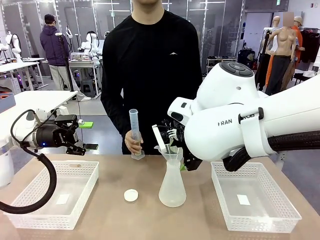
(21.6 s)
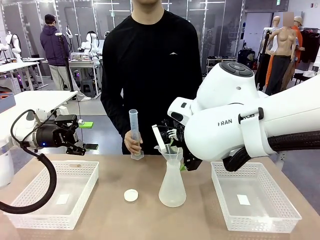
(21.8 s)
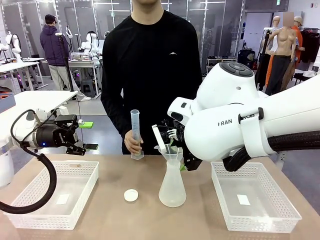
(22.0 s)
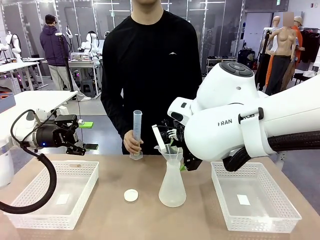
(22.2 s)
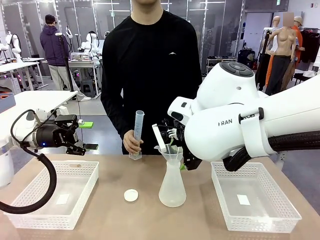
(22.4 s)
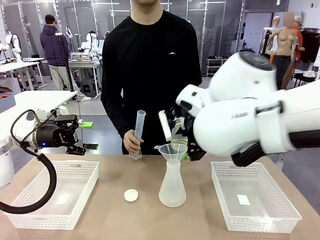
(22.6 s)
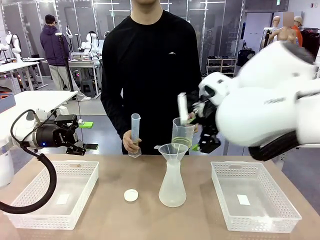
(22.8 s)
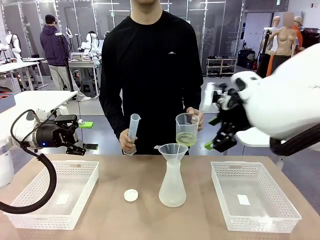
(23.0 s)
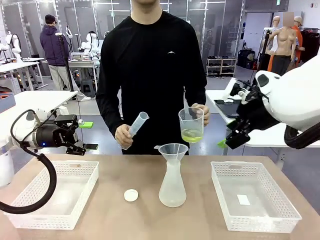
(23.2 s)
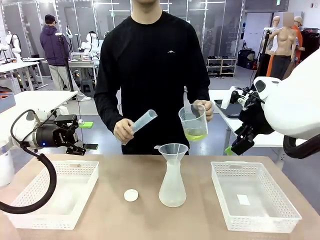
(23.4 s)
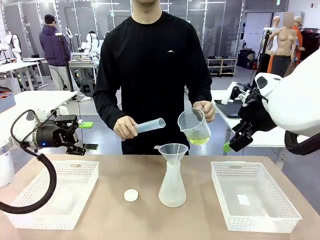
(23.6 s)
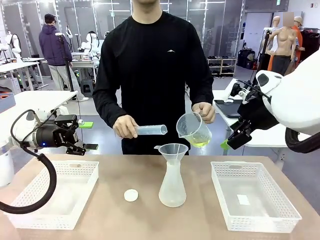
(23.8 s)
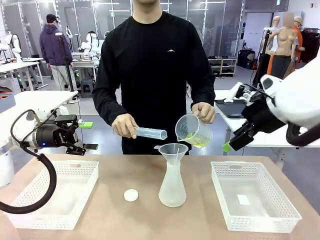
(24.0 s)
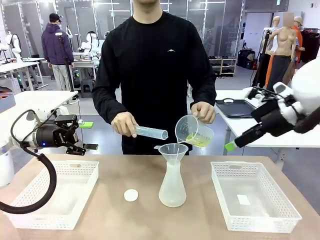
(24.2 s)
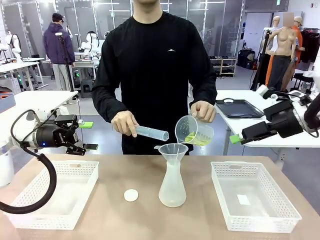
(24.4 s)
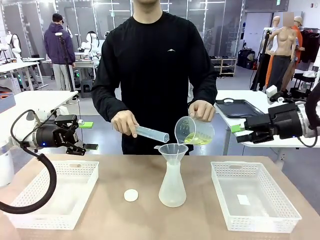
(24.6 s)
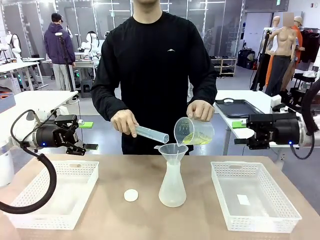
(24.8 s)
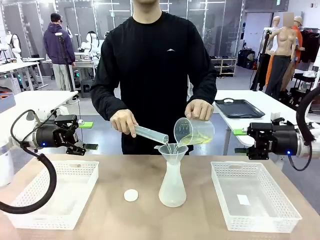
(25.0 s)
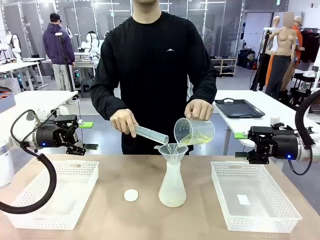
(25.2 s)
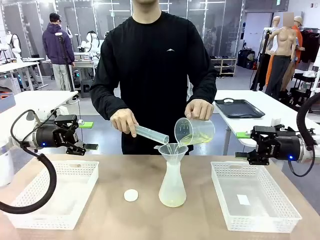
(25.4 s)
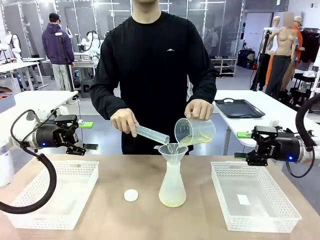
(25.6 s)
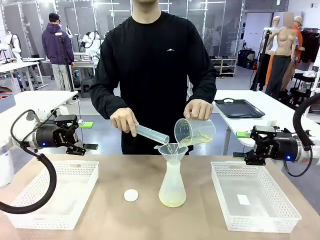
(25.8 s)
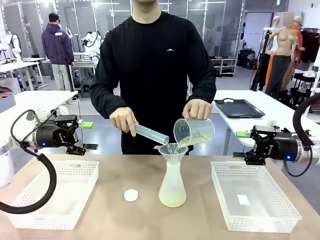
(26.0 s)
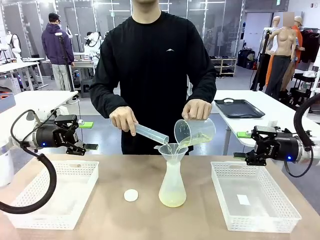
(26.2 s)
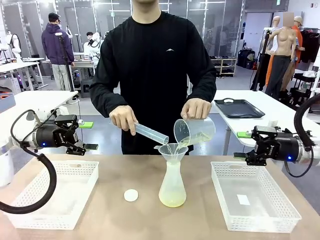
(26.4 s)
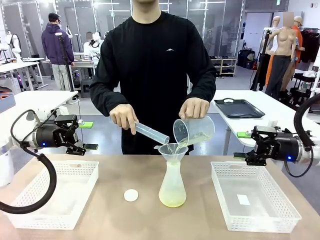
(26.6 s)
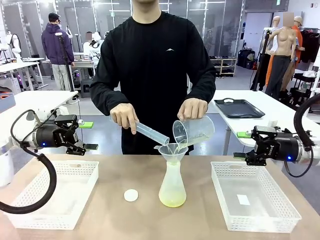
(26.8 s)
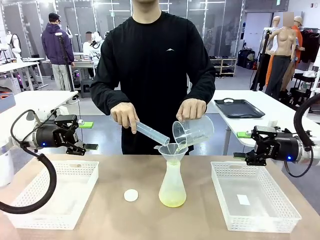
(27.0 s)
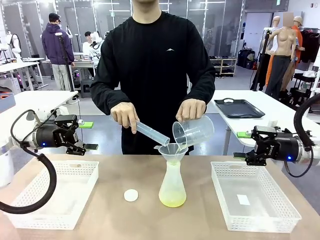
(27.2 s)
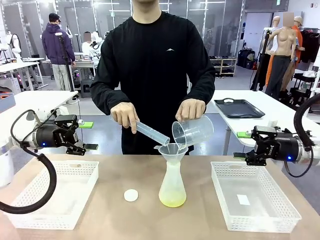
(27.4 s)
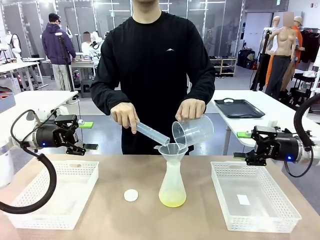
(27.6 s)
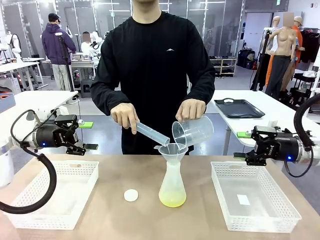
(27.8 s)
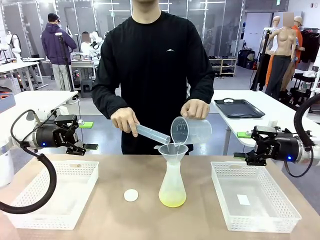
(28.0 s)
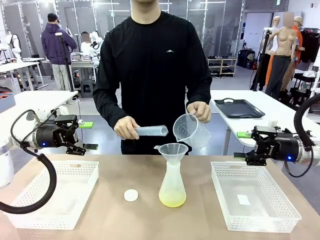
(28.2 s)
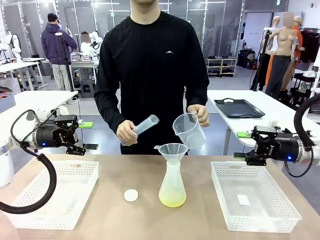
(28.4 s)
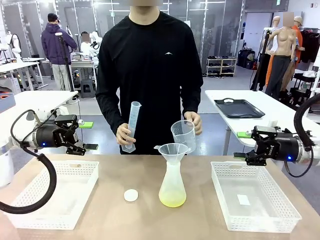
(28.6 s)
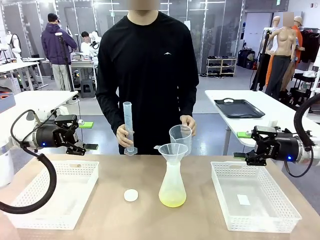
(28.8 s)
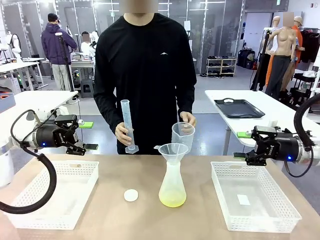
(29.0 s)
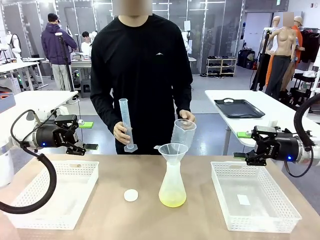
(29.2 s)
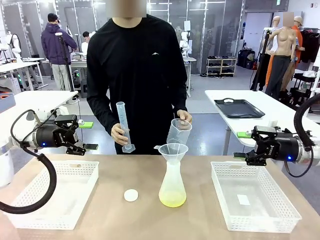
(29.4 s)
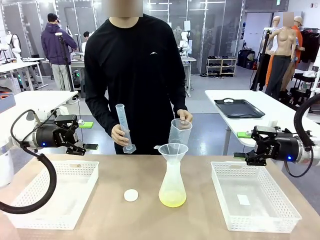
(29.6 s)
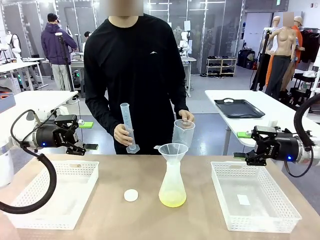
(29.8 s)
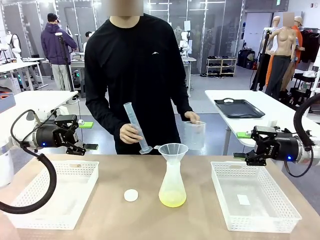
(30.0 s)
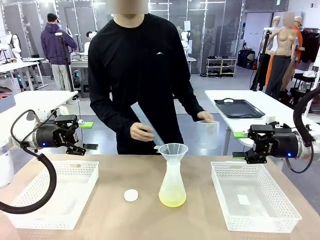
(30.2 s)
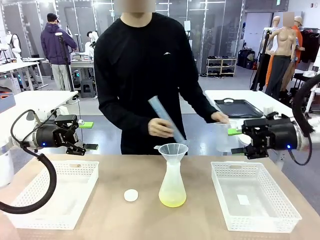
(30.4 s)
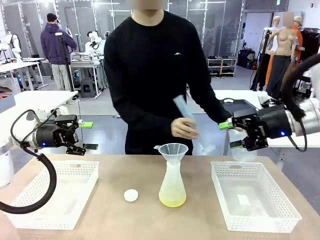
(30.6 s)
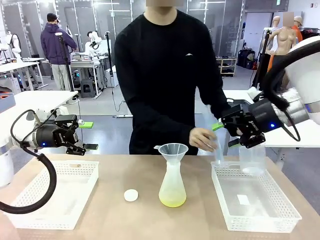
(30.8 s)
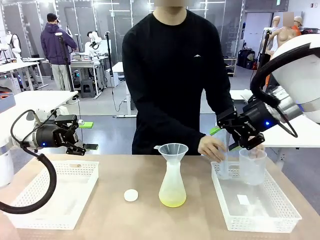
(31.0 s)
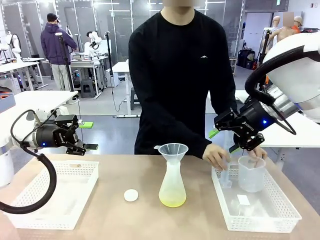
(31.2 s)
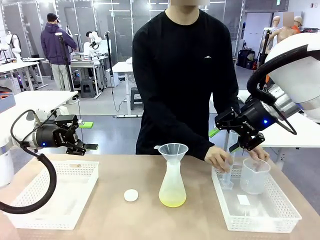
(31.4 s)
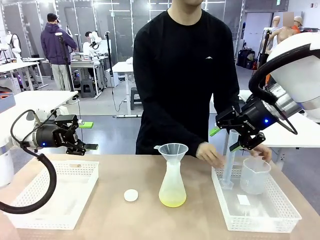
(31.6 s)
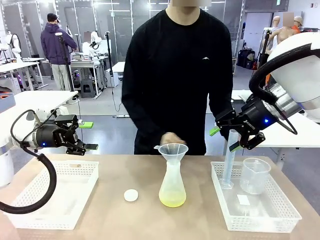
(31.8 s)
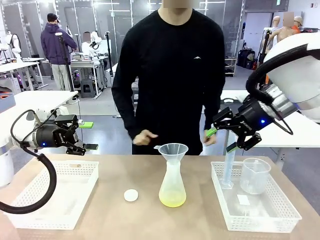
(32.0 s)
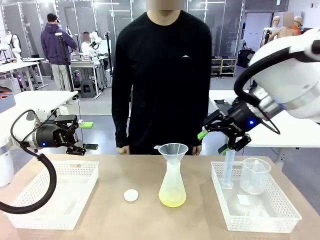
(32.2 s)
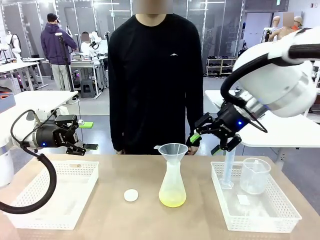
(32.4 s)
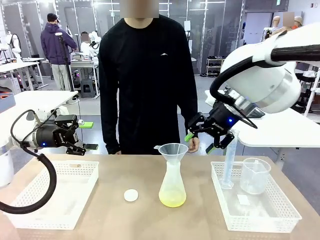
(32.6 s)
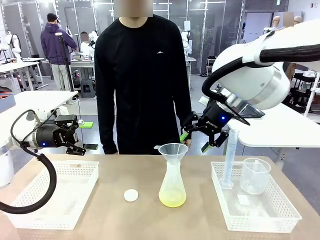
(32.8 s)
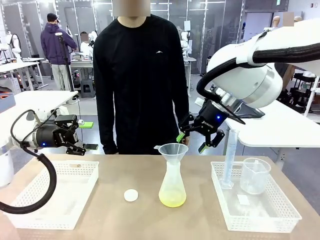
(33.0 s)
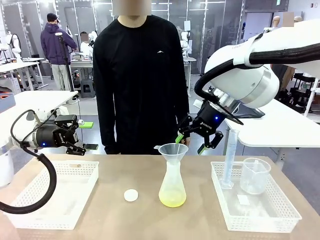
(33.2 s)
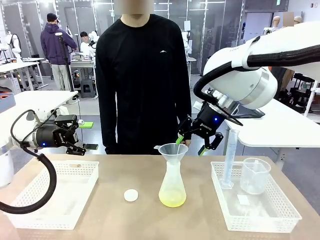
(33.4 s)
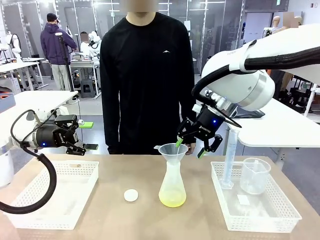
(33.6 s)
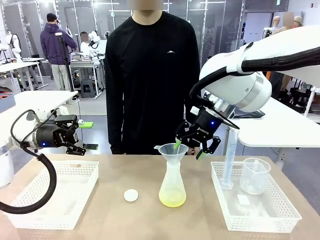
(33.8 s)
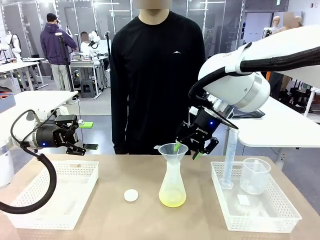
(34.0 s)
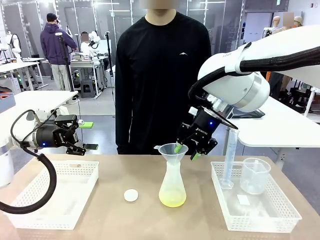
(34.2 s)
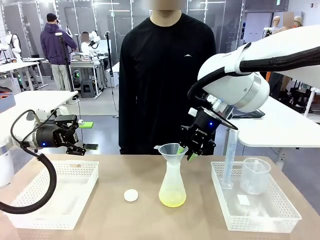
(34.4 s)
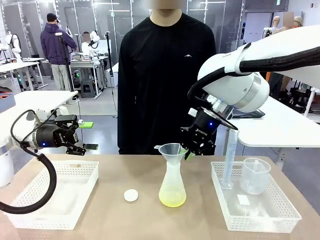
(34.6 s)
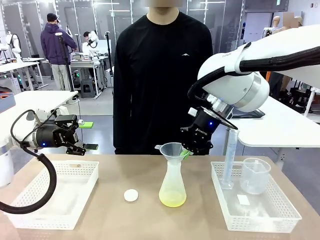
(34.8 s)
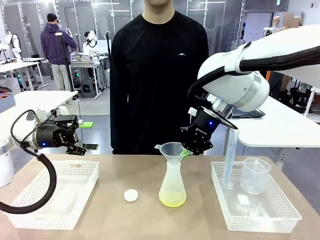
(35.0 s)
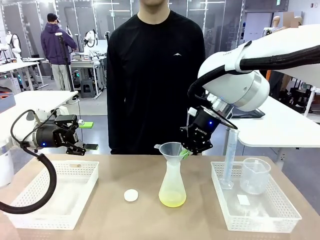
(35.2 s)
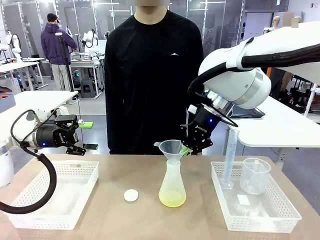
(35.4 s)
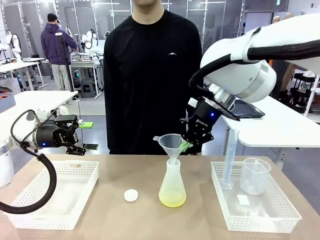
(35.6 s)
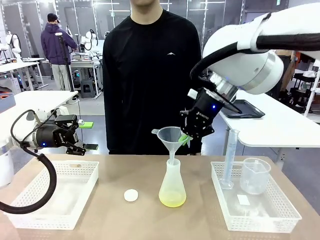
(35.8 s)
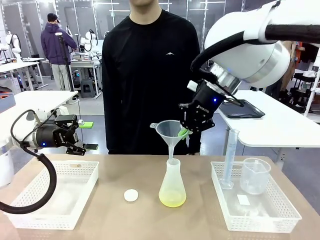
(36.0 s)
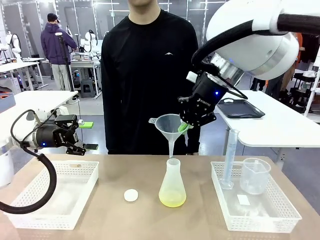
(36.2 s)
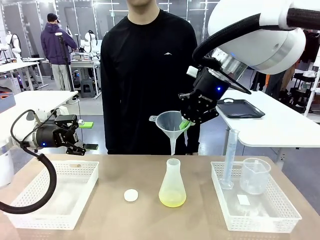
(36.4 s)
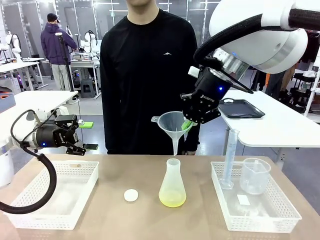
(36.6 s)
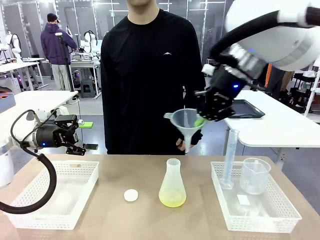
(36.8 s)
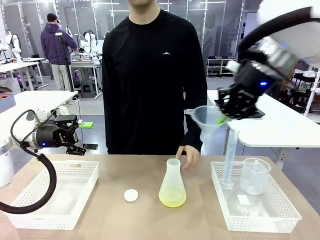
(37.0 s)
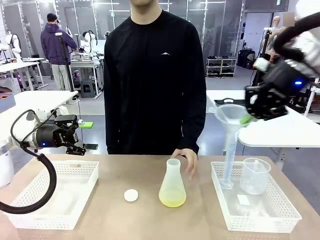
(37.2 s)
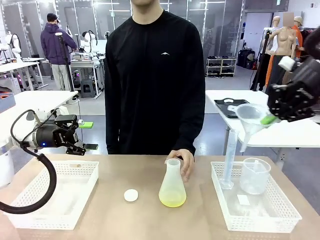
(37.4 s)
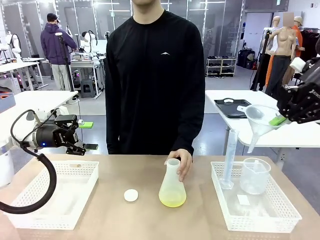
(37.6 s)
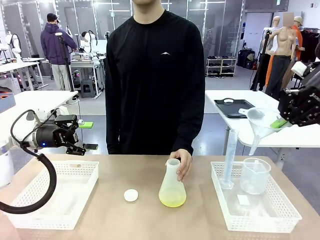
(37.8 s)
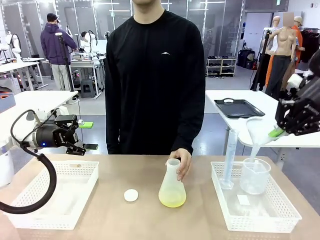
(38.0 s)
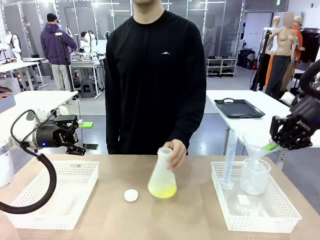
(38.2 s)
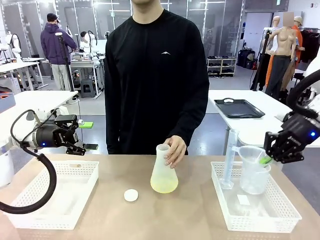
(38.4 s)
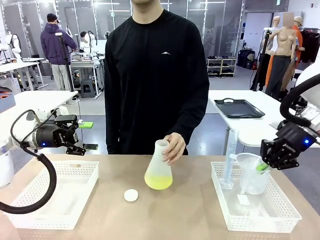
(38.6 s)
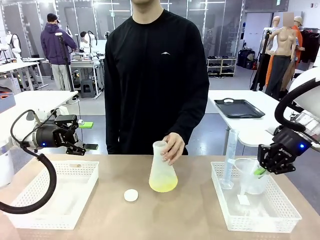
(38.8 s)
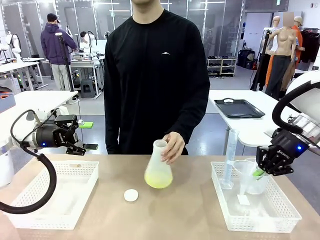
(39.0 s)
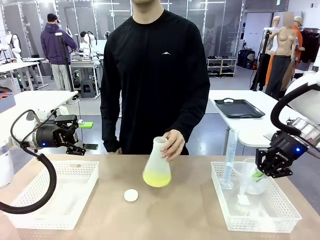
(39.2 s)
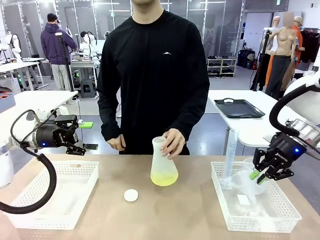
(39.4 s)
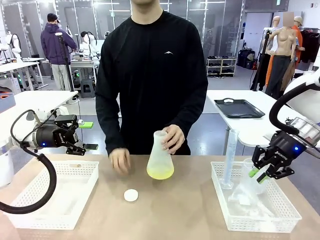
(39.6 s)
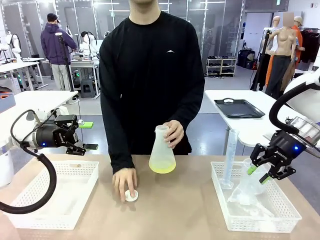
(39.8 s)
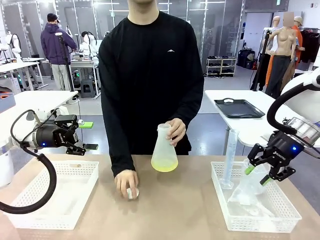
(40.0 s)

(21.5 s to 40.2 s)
Task: Prepare the solutions needed for the experiment.
Robot: Once the solution is in the Big flask , pick up the Plastic Funnel and place it back into the right Organizing basket.
Person: Place the beaker and the cylinder into the organizing basket on the left side. Pick up the flask, gently shake it 2–3 times, place it in the middle of the robot table, and close the lid.
